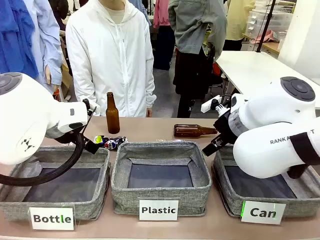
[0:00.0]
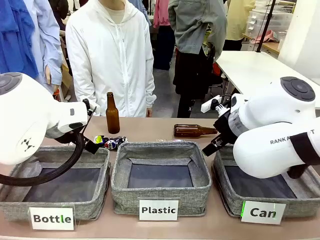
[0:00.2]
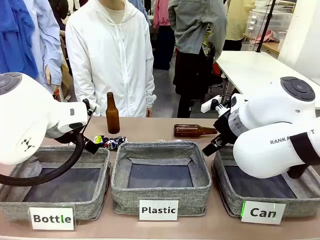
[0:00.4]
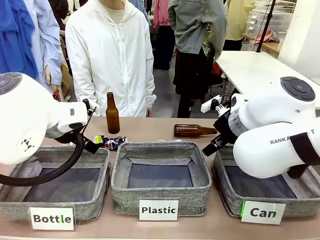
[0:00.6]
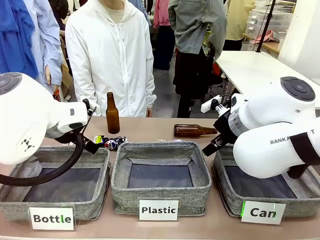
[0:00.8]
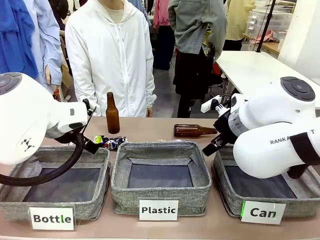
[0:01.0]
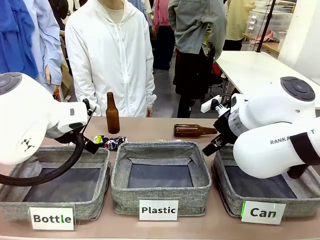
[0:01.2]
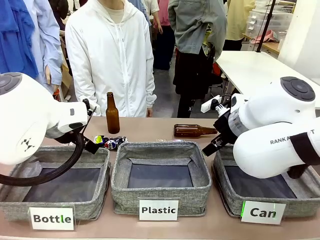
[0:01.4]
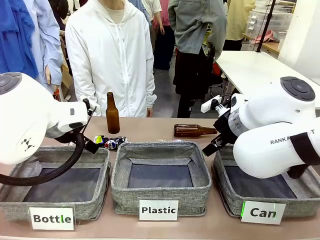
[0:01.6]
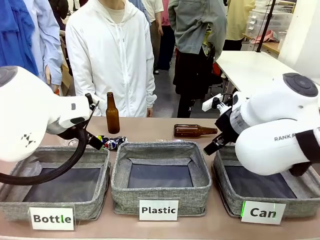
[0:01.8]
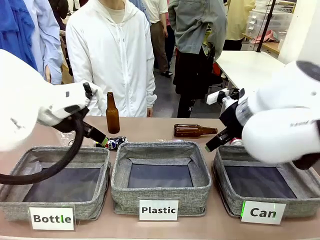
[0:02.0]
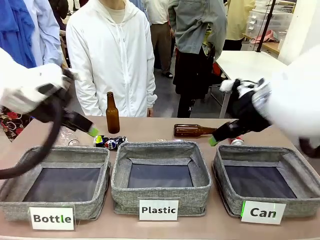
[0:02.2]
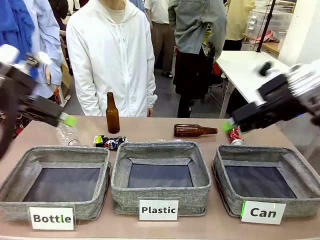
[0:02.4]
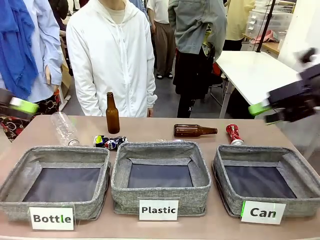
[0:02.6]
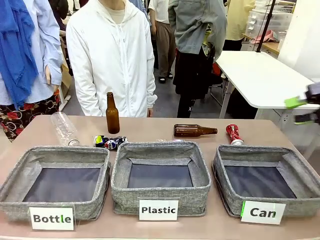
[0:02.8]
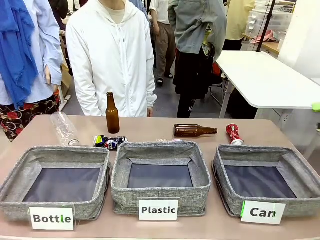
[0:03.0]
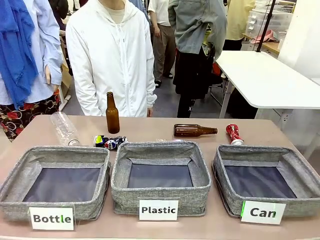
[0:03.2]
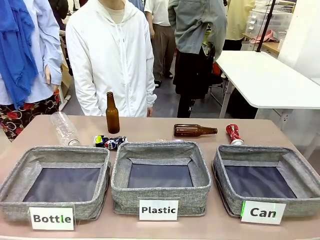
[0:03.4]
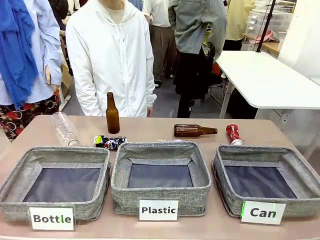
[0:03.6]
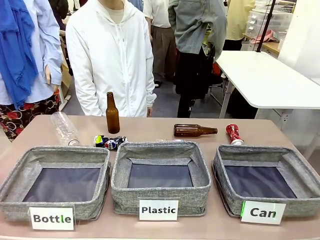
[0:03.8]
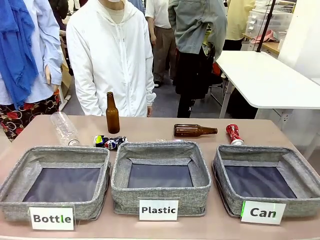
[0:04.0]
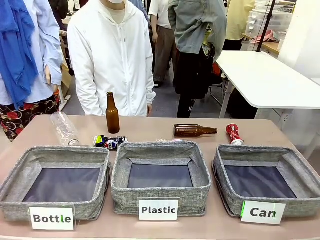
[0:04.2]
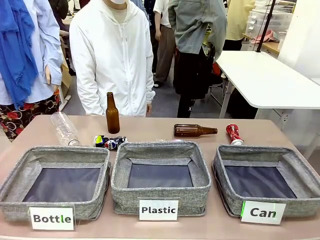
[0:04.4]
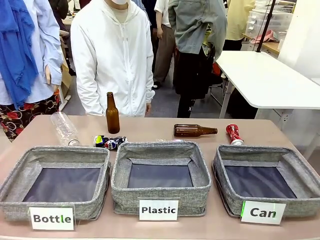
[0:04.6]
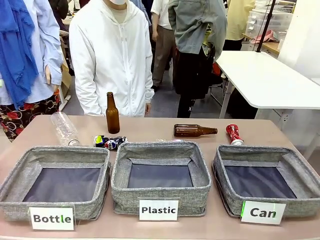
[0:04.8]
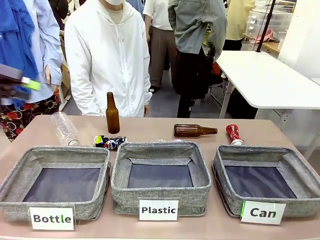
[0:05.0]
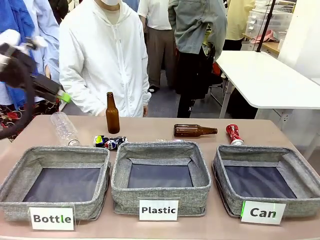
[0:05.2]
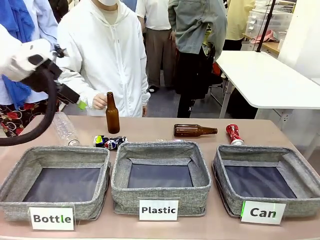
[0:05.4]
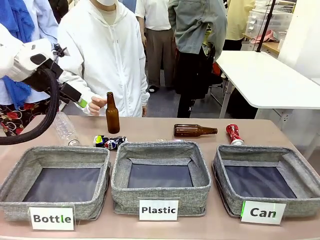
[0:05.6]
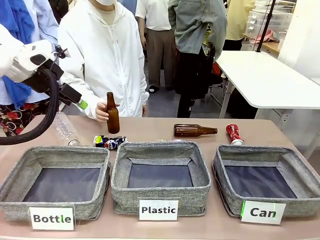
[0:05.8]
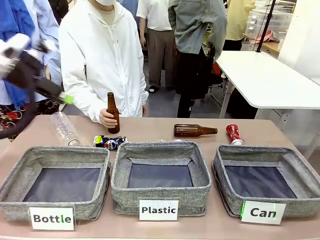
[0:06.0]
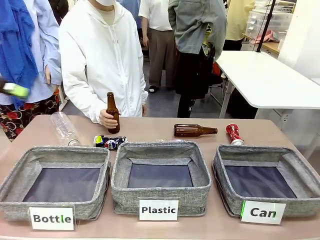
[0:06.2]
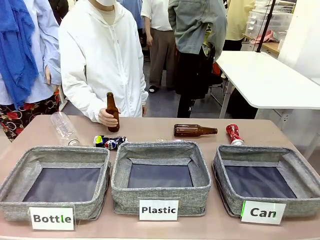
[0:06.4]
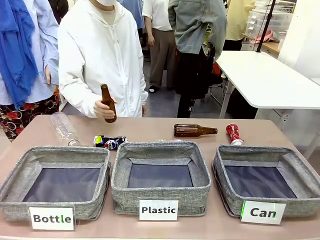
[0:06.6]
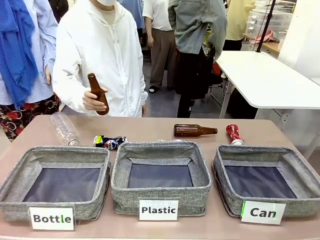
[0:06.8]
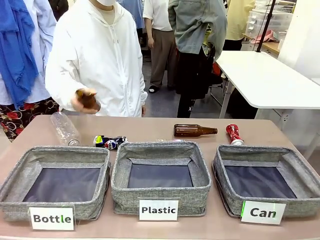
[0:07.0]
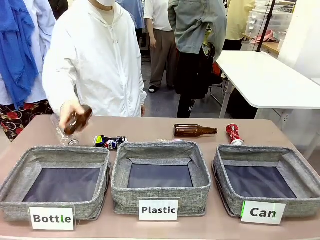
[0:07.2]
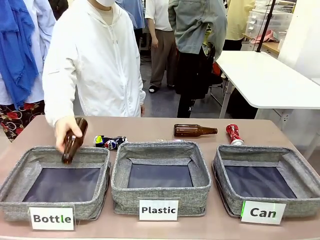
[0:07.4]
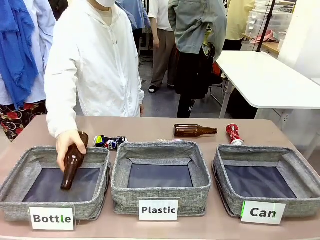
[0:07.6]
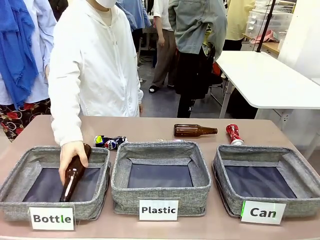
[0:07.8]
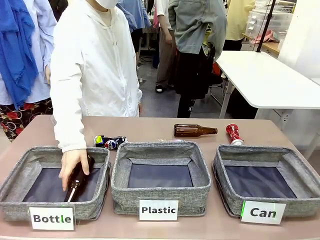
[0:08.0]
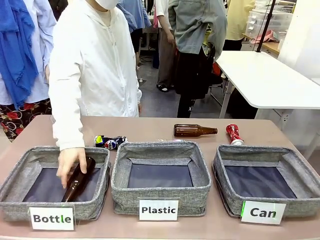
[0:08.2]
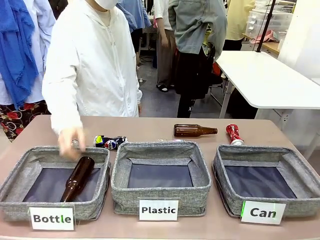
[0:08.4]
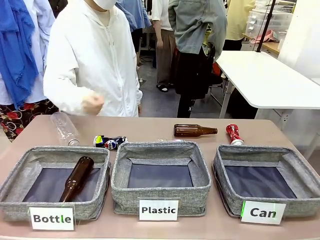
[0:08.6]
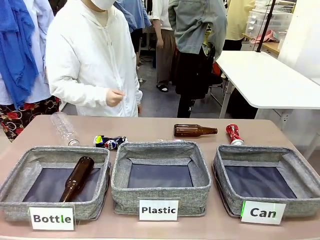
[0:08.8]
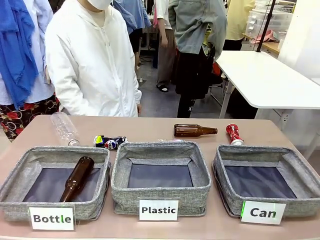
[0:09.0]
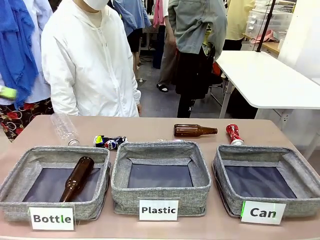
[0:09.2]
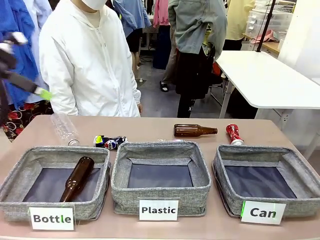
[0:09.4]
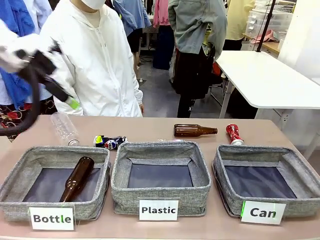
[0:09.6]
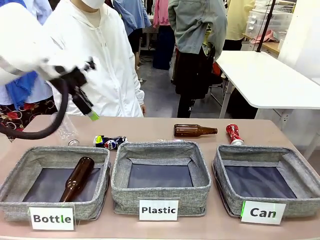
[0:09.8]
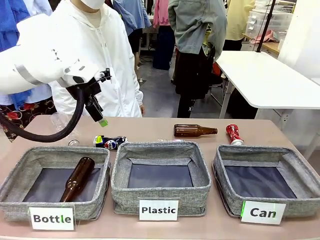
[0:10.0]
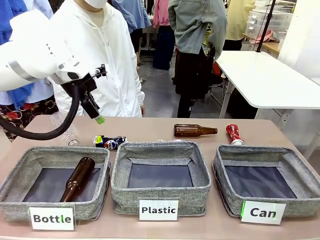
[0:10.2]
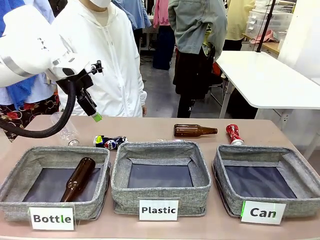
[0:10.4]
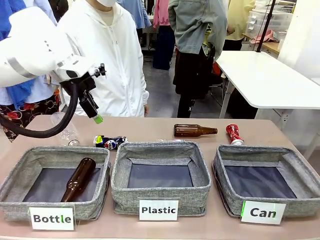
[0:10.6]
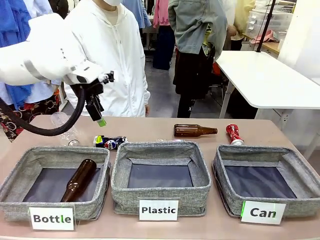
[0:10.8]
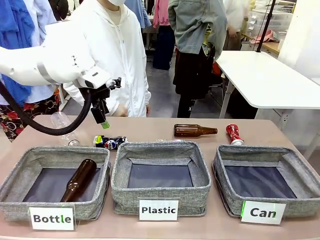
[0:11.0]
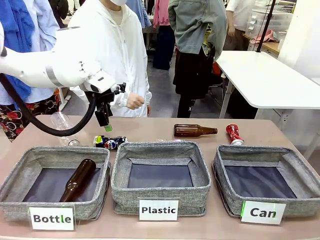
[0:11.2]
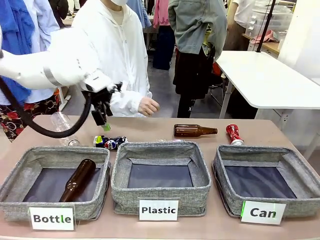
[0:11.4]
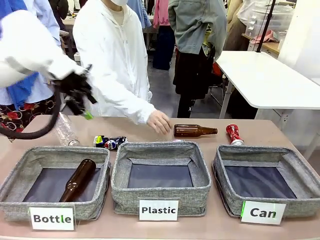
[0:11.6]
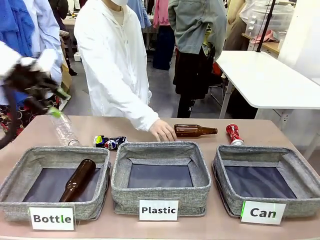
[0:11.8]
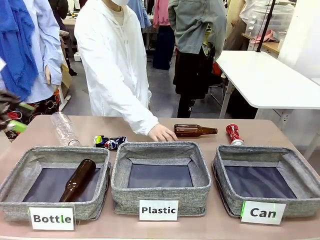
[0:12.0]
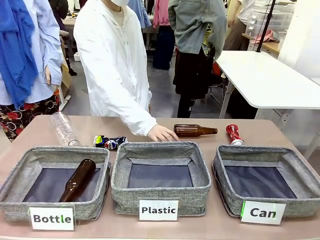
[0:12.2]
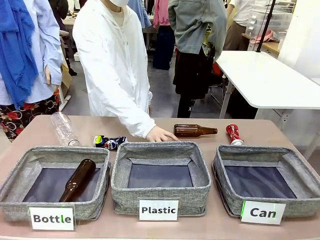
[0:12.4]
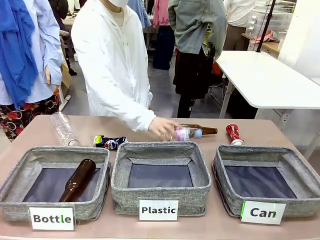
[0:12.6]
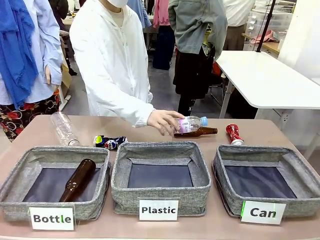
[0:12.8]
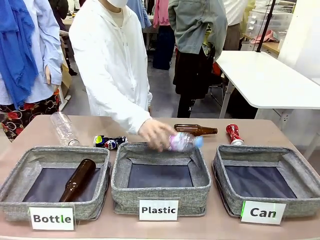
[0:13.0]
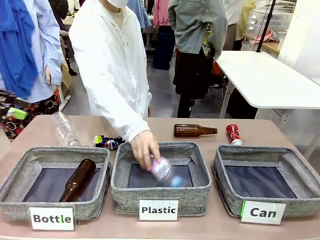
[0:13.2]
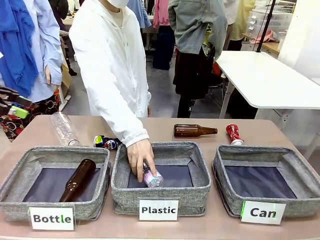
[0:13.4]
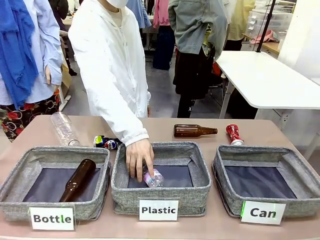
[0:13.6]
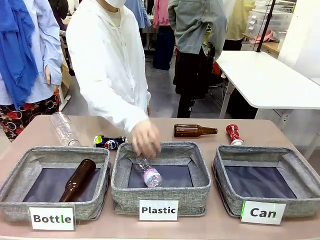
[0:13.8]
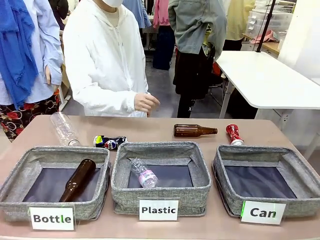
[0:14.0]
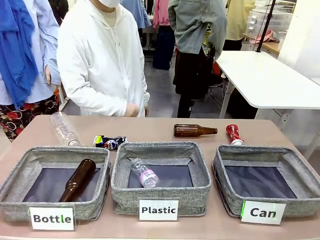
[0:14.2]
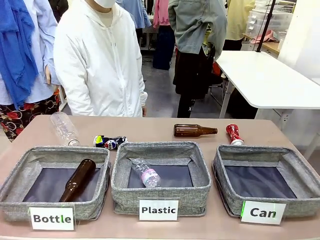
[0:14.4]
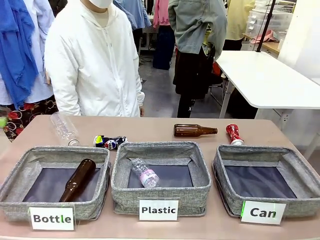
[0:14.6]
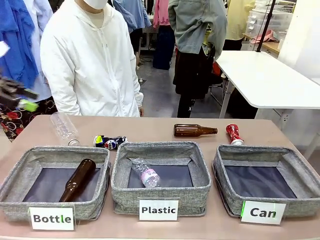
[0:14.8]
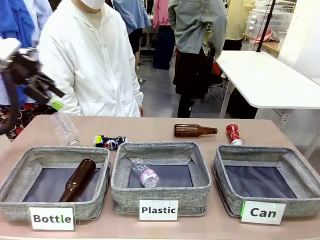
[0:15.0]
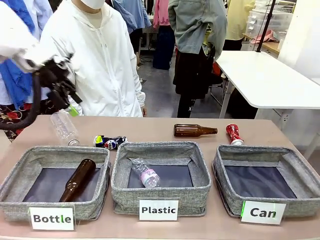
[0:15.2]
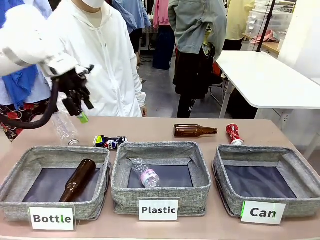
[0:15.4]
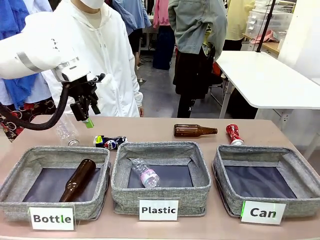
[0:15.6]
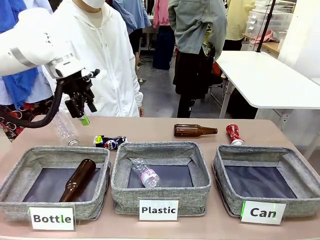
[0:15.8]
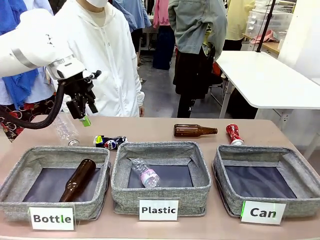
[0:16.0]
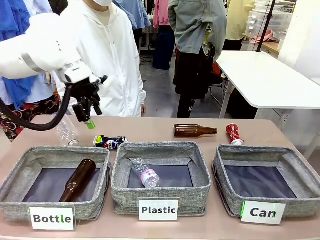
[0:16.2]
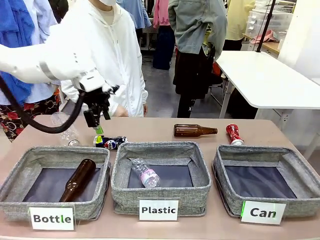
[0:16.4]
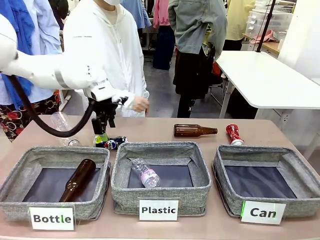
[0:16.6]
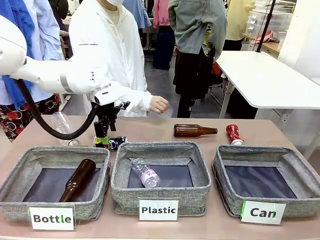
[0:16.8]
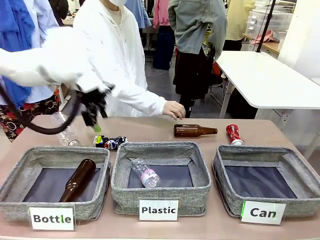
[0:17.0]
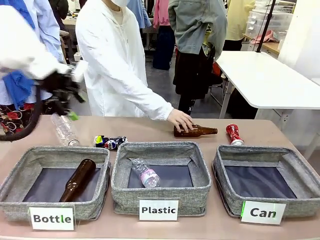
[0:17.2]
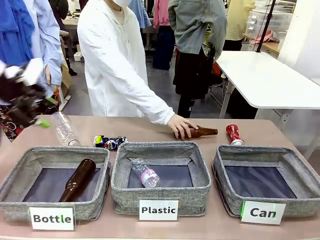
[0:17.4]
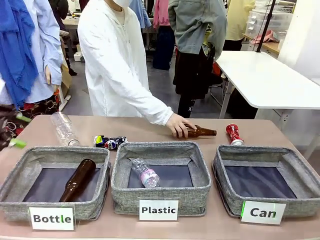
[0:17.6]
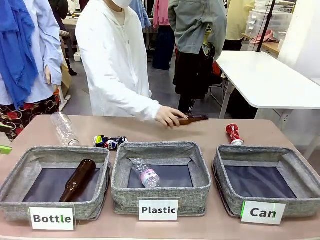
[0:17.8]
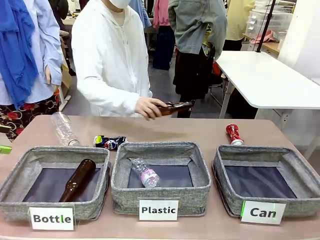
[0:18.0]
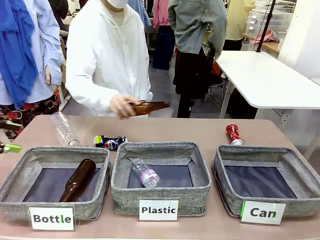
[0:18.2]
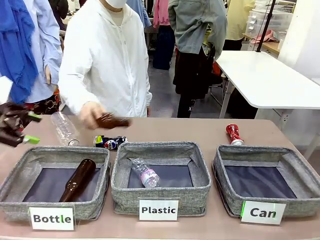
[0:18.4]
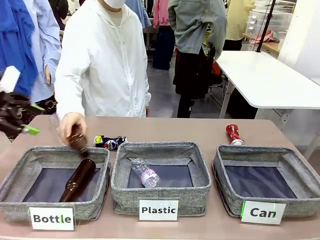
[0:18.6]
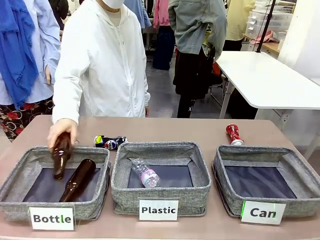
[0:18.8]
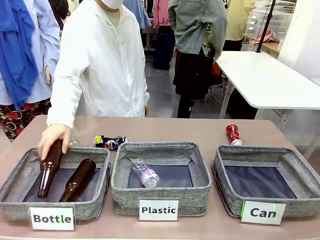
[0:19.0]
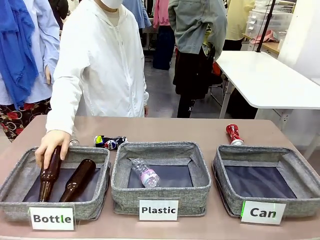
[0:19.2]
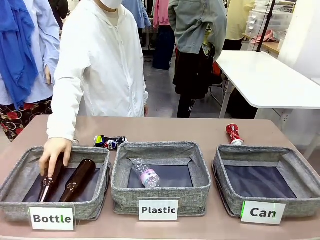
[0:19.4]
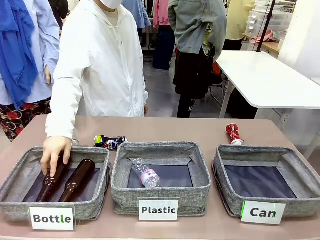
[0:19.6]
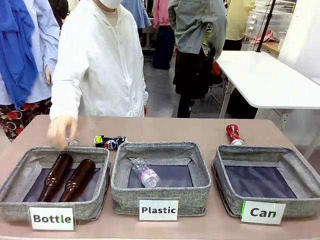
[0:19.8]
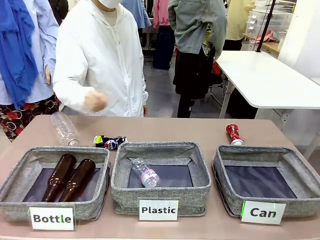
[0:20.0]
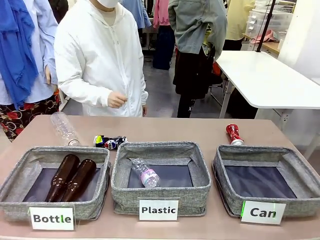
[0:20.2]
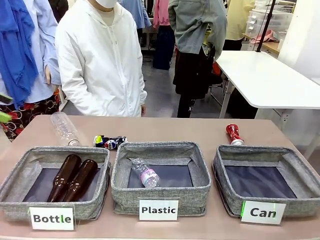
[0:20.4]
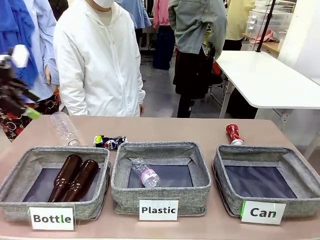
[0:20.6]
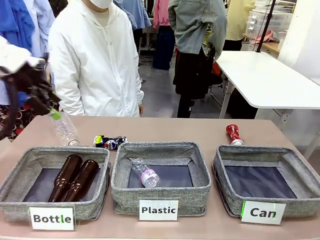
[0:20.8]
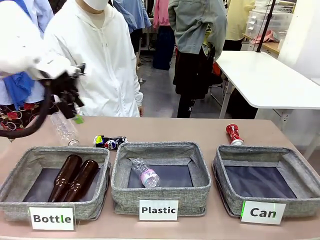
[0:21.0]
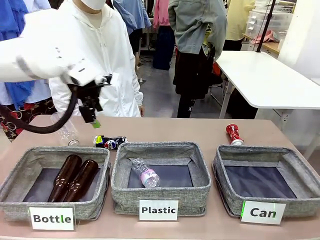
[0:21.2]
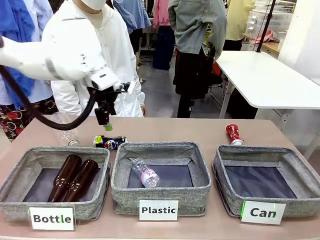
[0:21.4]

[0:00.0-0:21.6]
Task: Sort the can waste into the basket.
Robot: Pick up the can waste from the table and place it in the right Fabric basket.
